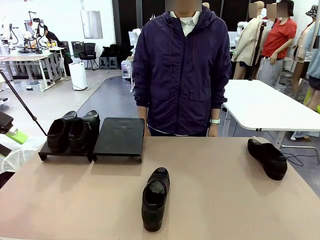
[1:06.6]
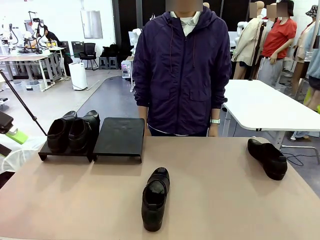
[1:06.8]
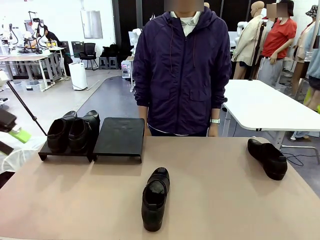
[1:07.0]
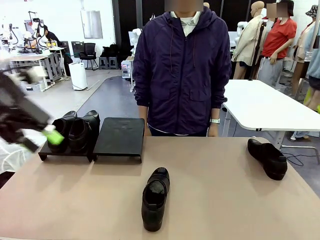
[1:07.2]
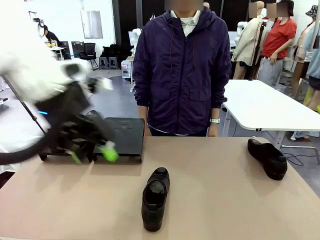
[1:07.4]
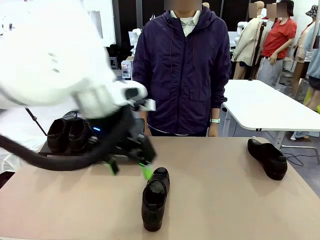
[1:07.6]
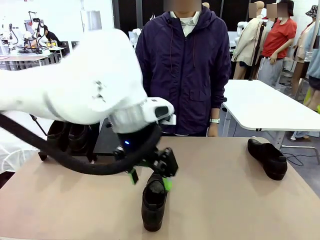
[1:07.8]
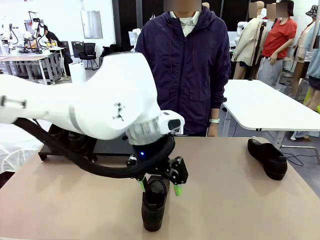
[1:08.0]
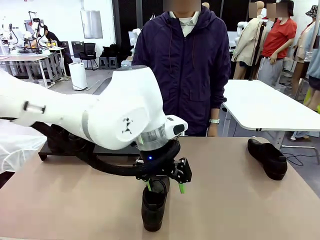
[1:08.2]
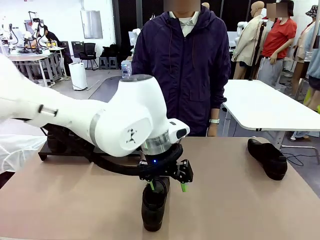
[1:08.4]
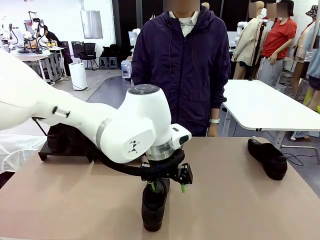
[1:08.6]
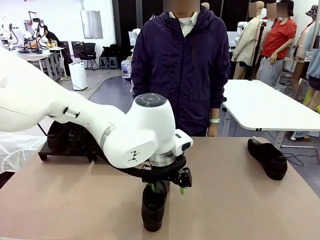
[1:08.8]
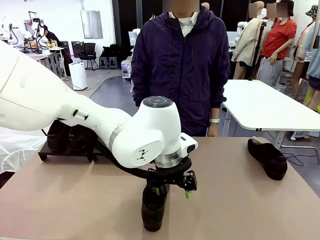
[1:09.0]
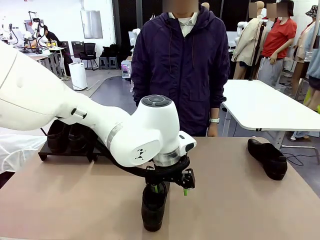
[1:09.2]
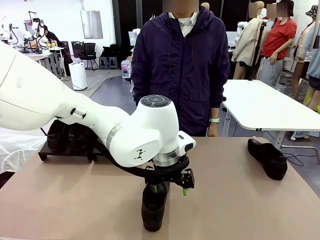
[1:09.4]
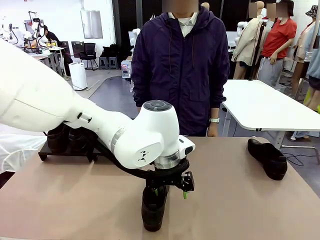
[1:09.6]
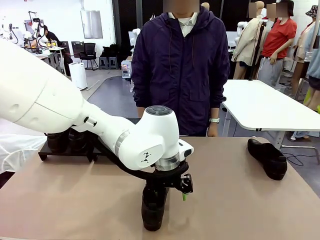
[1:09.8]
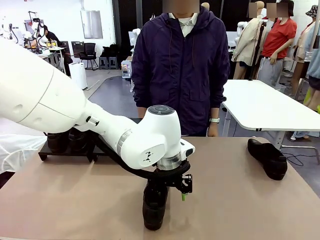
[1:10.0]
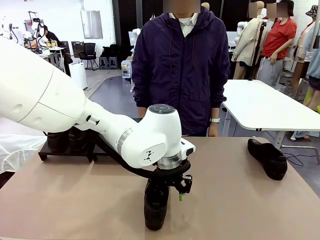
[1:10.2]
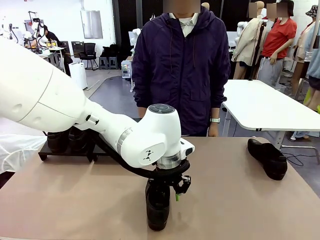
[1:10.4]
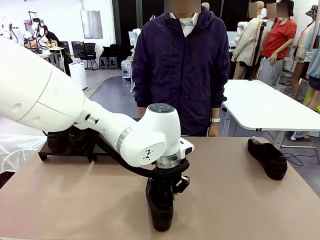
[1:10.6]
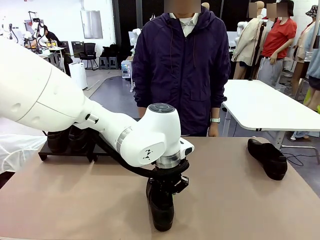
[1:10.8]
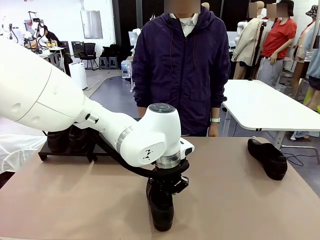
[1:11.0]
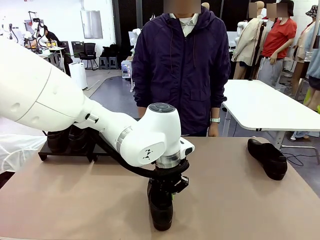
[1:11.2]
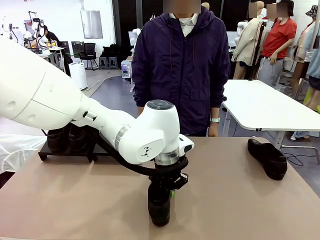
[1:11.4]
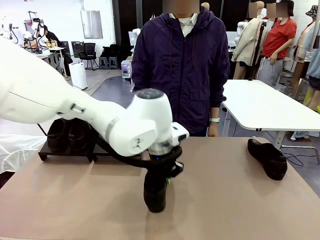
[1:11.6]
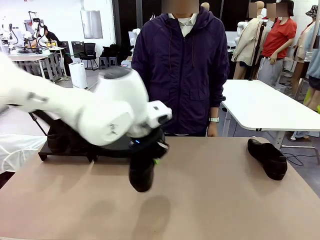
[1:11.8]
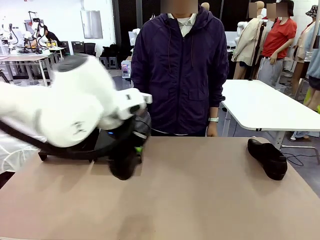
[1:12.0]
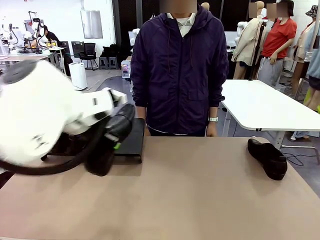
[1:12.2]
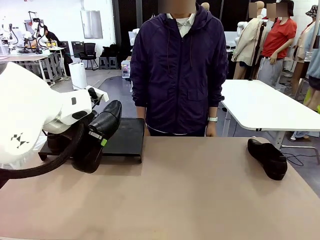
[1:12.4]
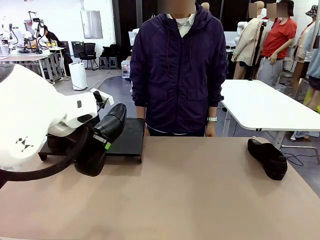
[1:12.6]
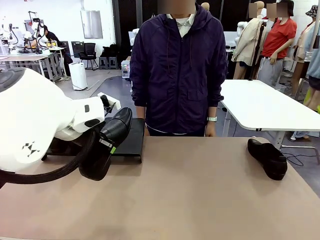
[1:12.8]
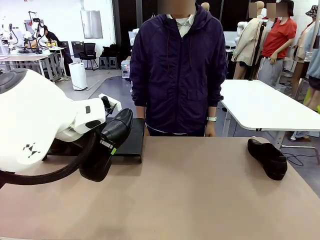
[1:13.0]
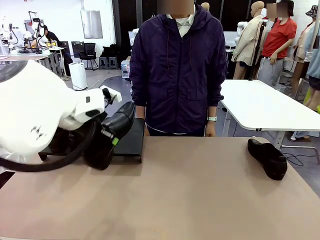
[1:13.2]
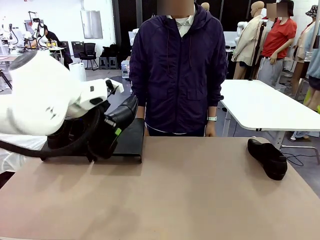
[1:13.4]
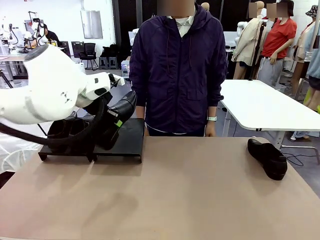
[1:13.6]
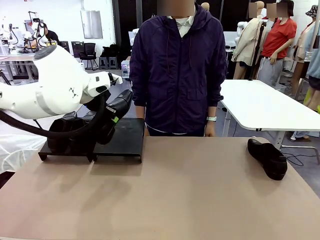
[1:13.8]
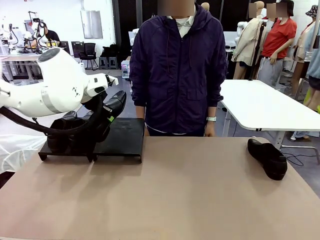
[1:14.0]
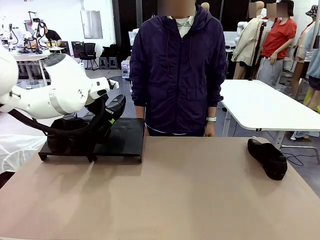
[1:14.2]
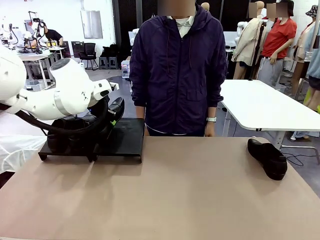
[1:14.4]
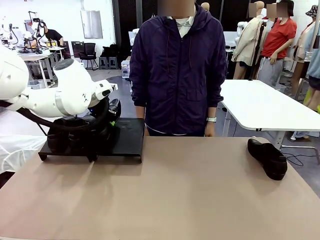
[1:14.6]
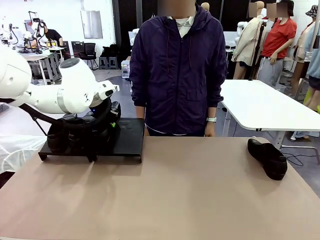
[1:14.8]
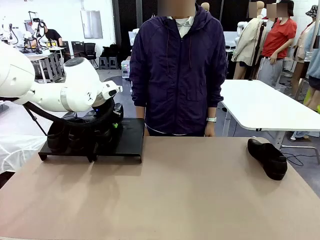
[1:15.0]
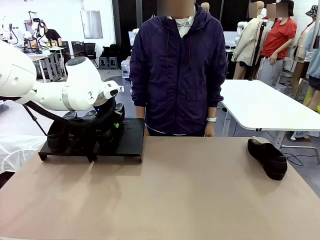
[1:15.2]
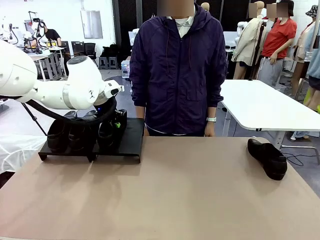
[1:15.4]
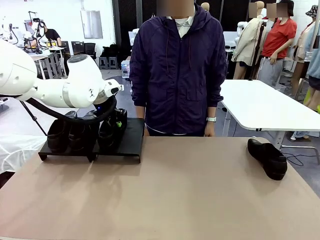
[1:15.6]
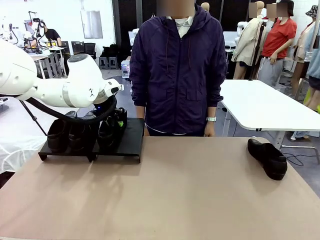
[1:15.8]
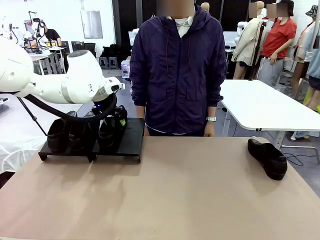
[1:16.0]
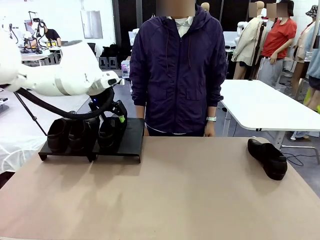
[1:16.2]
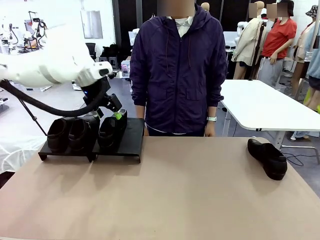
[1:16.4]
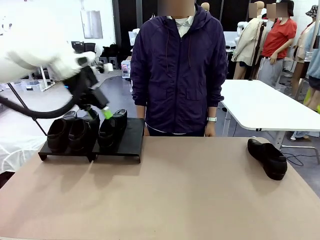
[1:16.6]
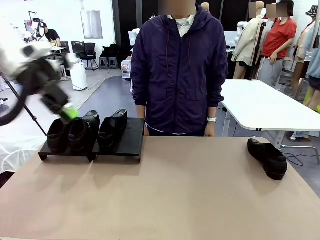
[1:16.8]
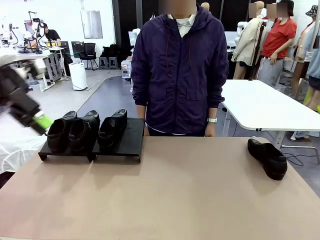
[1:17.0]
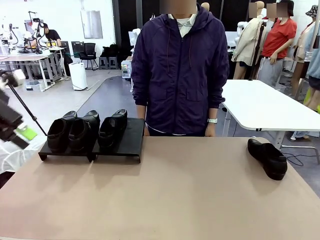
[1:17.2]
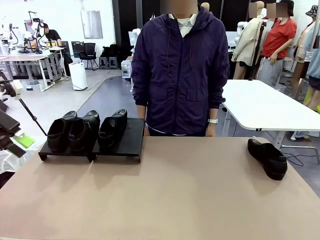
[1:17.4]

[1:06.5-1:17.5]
Task: Organize the shoes by placing them on the stand.
Robot: Place the Shoe from the middle of the table onto the Shoes Stand.

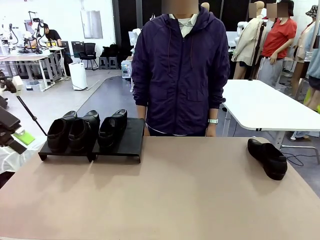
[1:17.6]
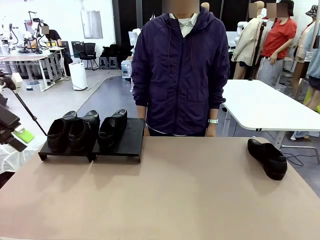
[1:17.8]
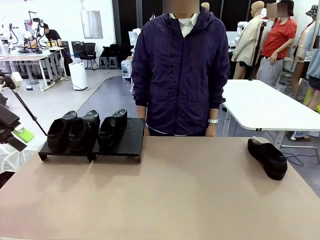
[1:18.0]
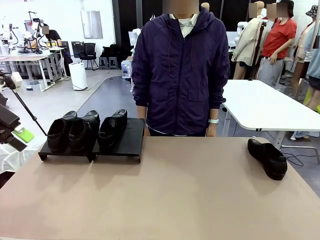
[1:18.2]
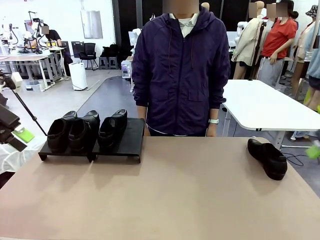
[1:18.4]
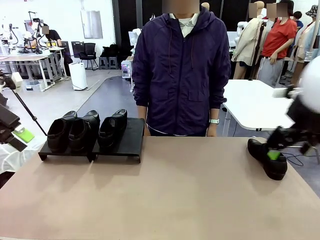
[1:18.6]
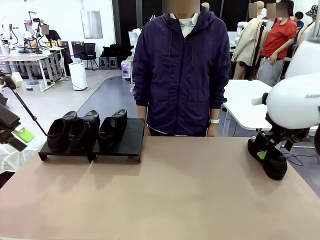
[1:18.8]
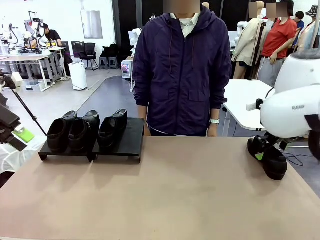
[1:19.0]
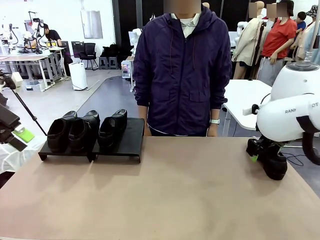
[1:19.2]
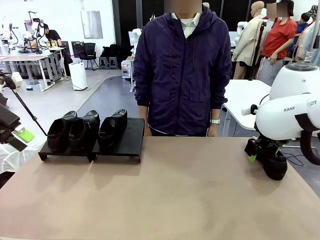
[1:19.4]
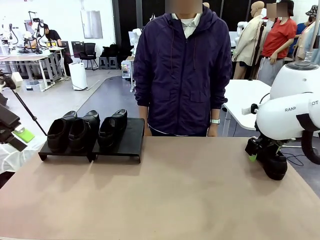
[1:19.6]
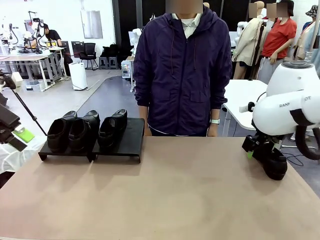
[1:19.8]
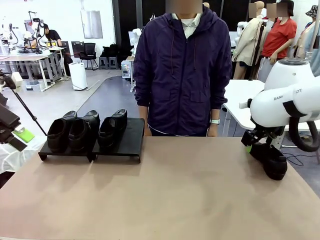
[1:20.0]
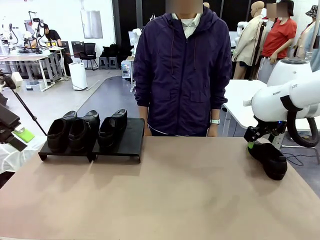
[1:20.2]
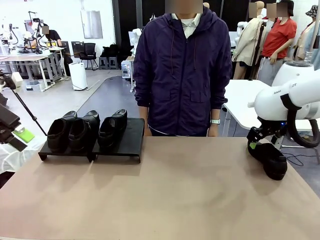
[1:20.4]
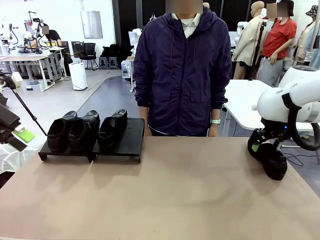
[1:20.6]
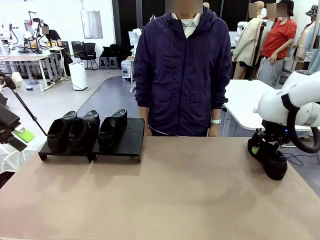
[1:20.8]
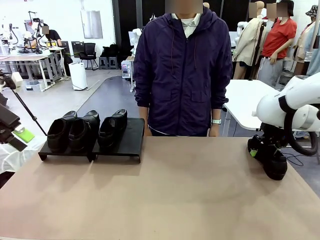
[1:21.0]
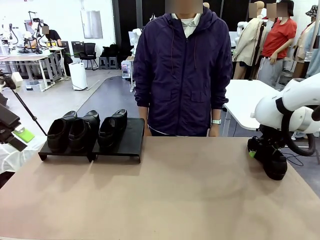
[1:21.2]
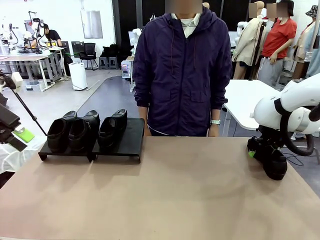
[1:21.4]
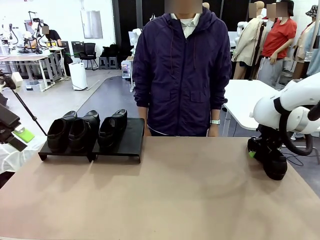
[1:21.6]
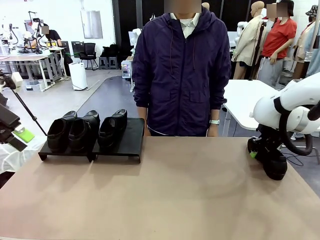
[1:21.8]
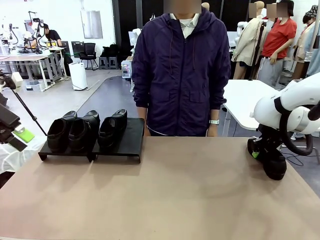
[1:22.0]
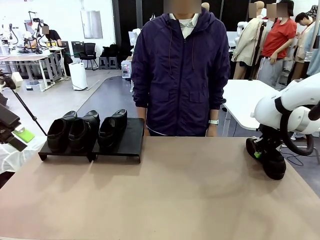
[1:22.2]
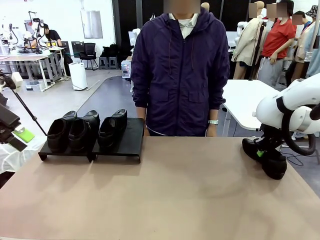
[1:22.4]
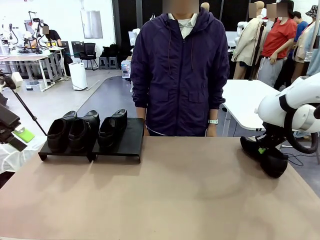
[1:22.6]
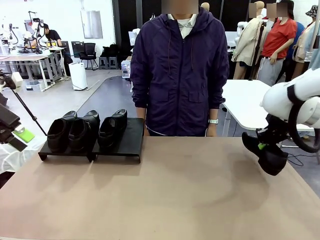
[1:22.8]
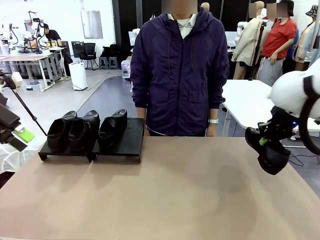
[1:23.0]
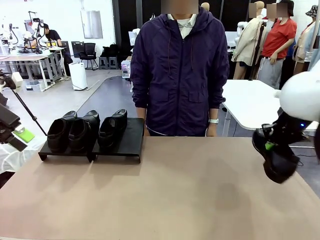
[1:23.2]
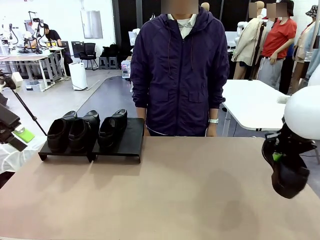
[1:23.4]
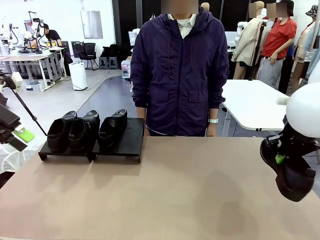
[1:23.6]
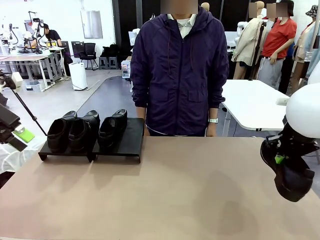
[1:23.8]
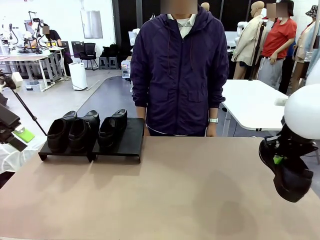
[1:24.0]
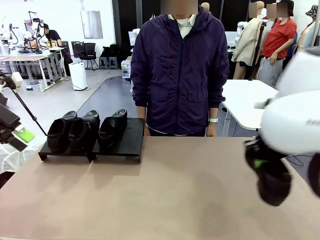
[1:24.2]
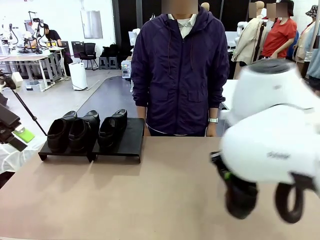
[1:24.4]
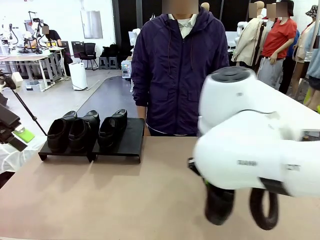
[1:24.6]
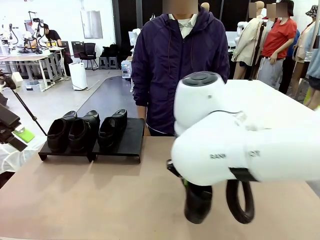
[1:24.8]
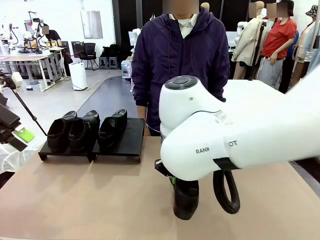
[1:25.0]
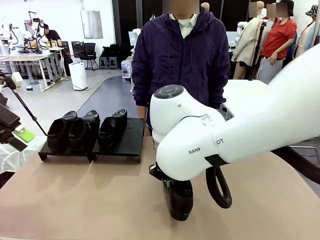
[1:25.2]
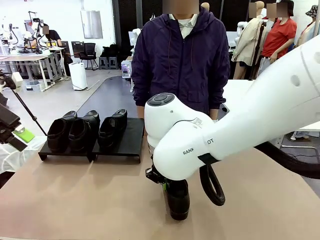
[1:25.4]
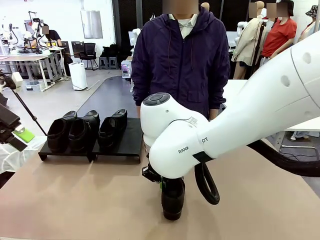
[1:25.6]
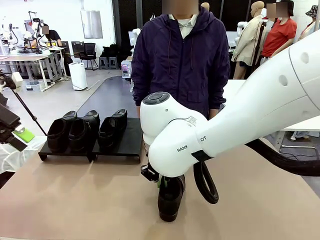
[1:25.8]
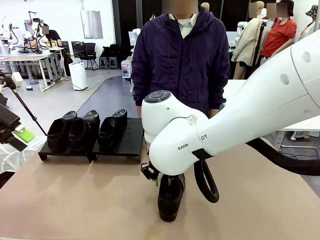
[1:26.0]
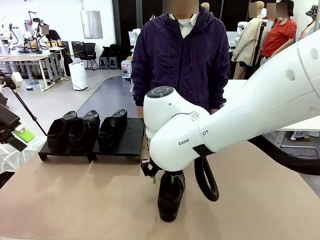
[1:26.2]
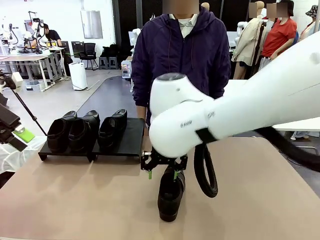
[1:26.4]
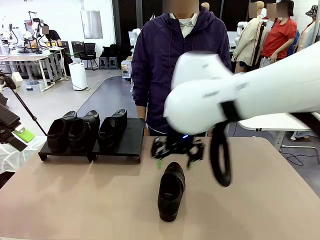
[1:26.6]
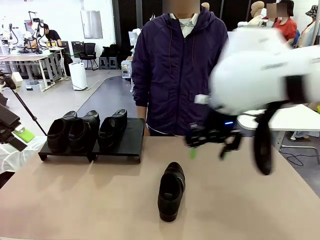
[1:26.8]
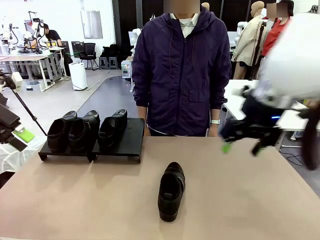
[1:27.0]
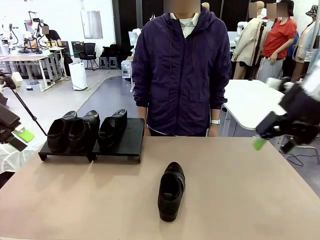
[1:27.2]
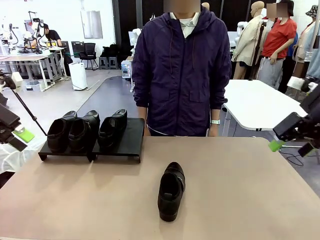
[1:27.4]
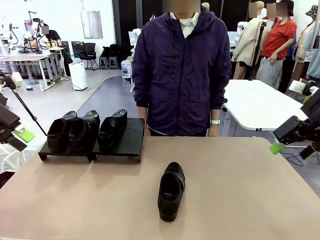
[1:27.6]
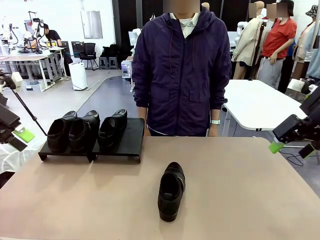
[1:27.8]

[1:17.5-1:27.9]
Robot: Pick up one Shoe and place it in the middle of the table.
